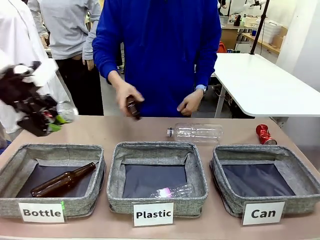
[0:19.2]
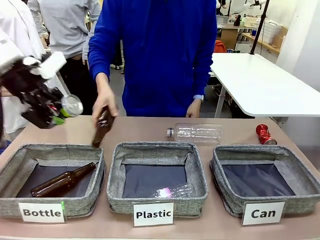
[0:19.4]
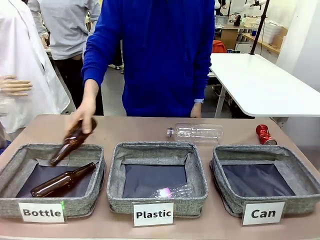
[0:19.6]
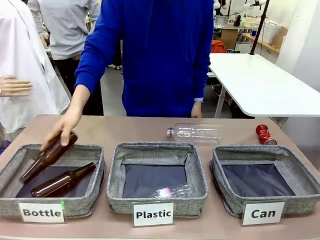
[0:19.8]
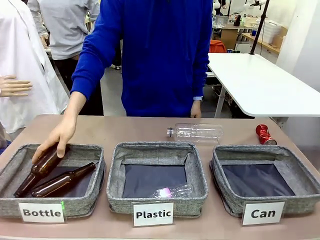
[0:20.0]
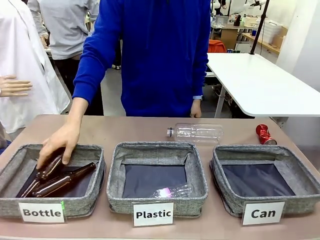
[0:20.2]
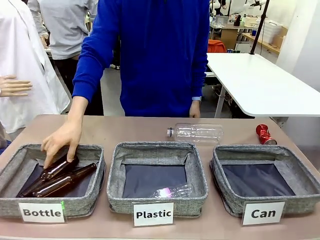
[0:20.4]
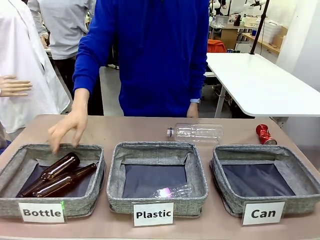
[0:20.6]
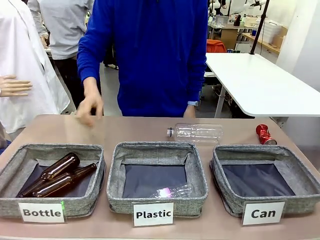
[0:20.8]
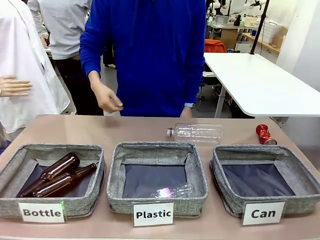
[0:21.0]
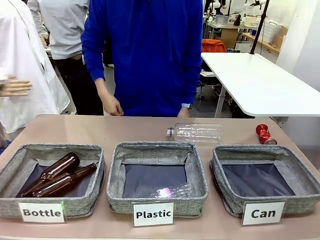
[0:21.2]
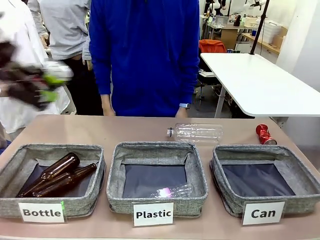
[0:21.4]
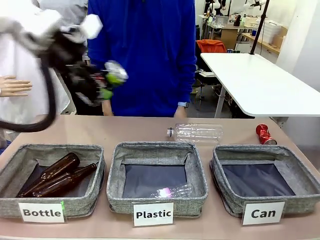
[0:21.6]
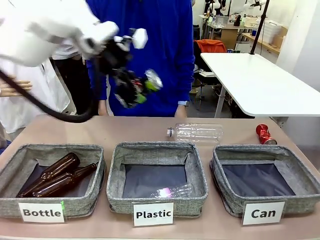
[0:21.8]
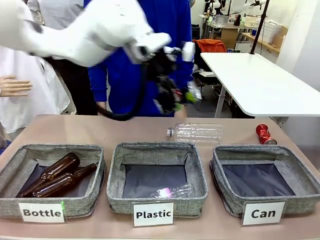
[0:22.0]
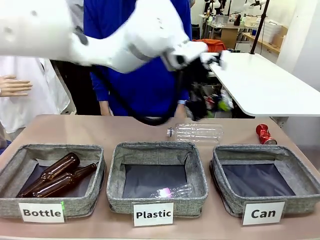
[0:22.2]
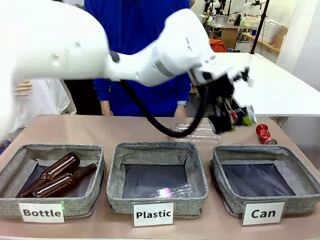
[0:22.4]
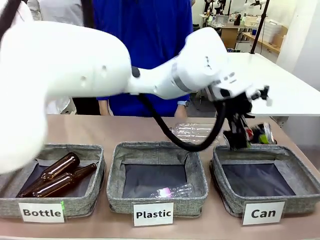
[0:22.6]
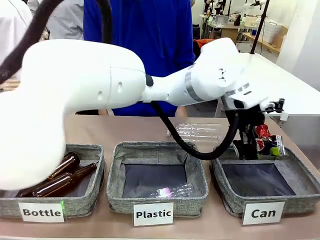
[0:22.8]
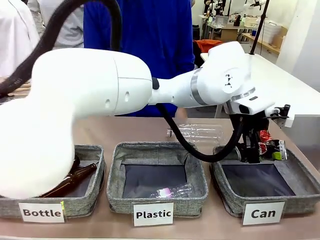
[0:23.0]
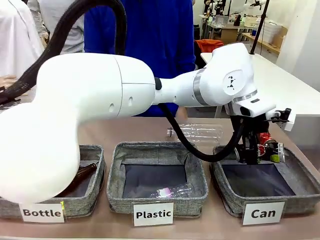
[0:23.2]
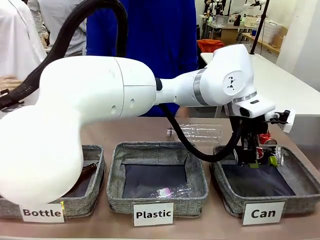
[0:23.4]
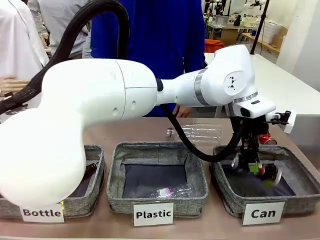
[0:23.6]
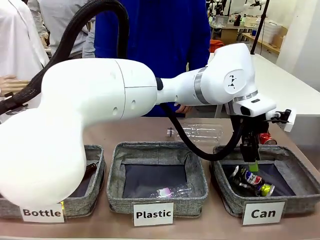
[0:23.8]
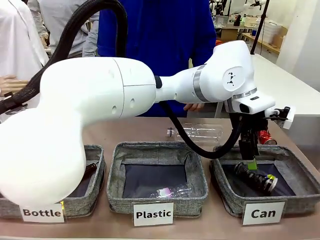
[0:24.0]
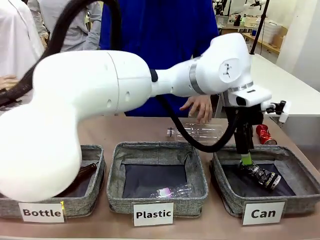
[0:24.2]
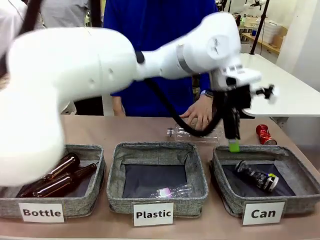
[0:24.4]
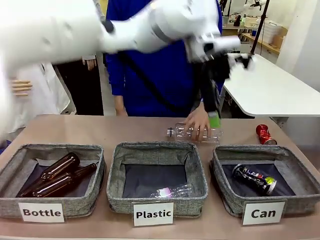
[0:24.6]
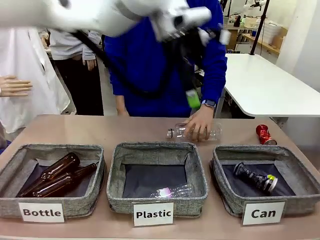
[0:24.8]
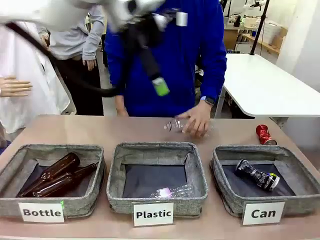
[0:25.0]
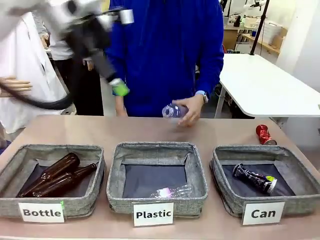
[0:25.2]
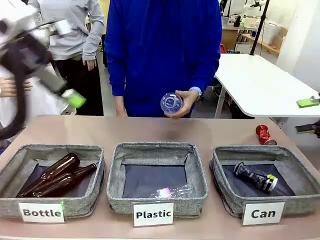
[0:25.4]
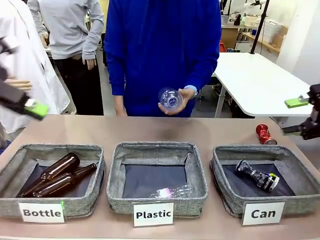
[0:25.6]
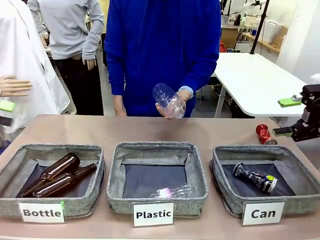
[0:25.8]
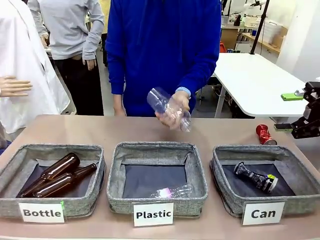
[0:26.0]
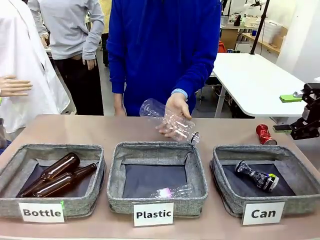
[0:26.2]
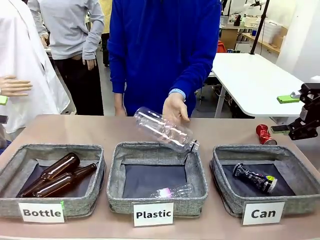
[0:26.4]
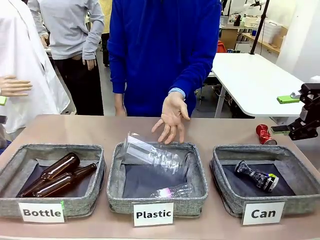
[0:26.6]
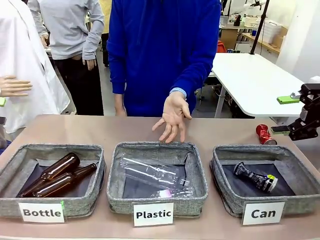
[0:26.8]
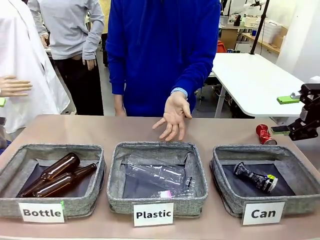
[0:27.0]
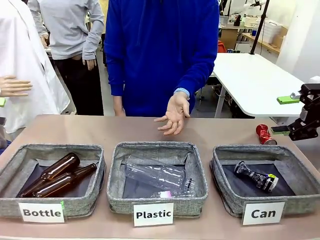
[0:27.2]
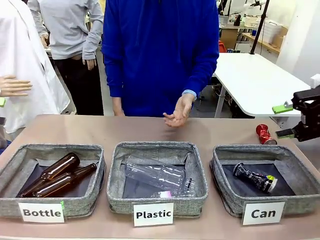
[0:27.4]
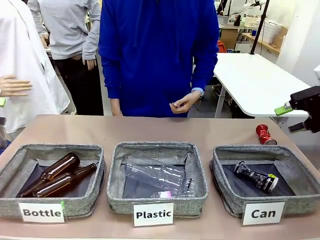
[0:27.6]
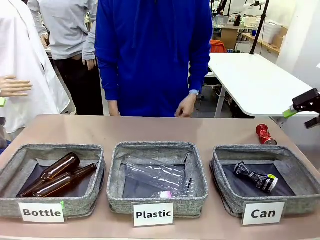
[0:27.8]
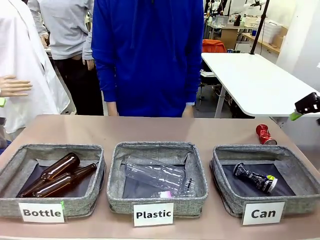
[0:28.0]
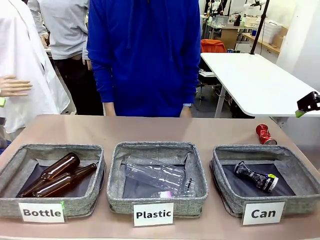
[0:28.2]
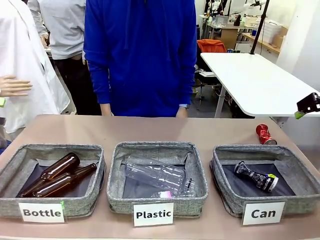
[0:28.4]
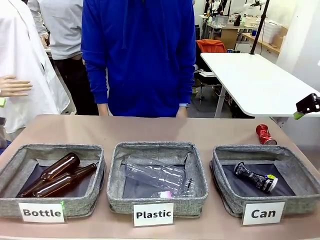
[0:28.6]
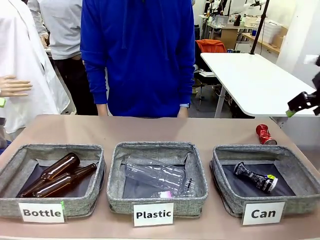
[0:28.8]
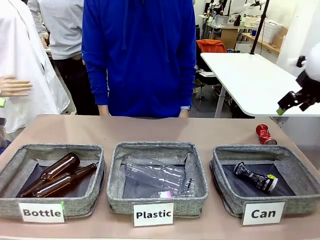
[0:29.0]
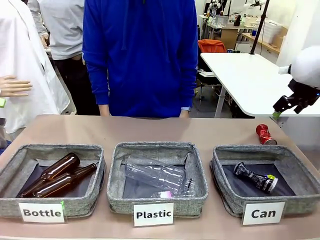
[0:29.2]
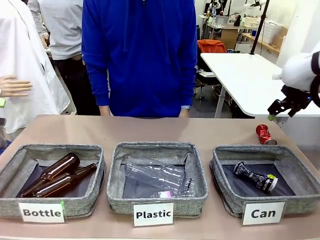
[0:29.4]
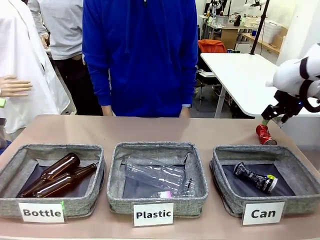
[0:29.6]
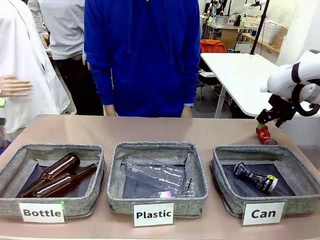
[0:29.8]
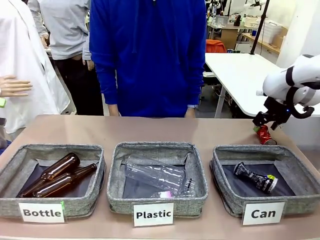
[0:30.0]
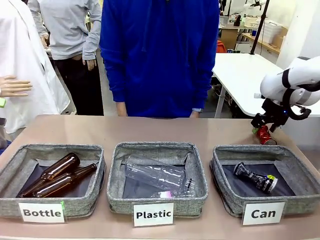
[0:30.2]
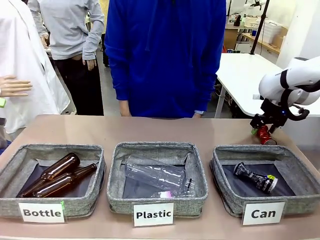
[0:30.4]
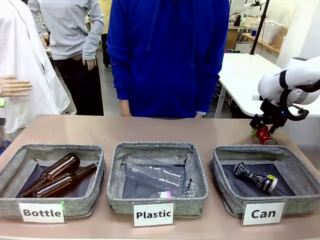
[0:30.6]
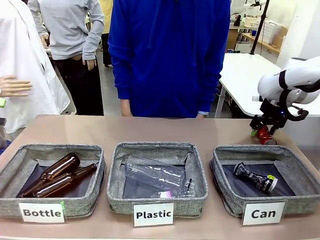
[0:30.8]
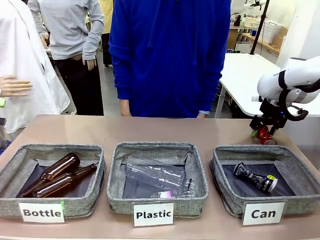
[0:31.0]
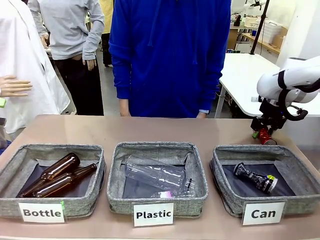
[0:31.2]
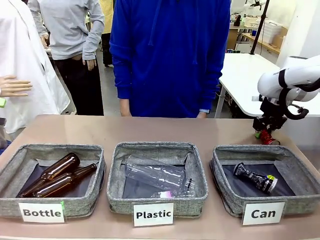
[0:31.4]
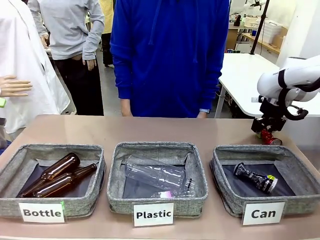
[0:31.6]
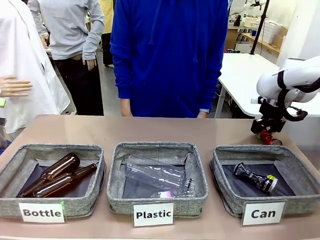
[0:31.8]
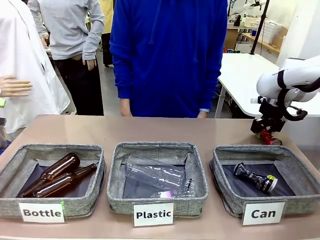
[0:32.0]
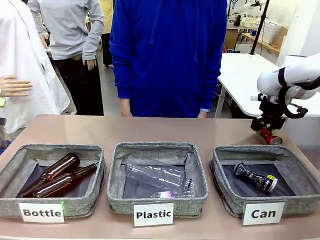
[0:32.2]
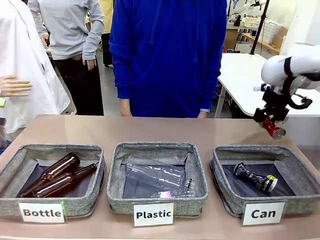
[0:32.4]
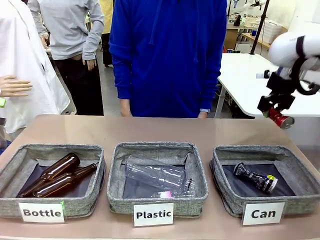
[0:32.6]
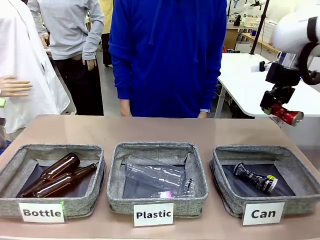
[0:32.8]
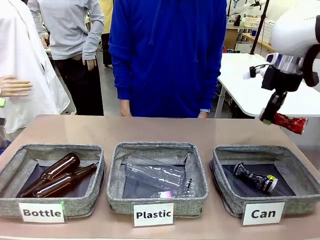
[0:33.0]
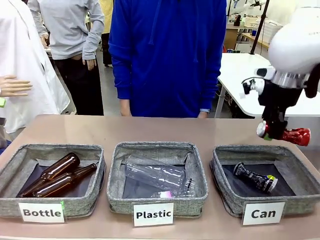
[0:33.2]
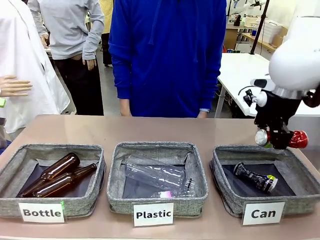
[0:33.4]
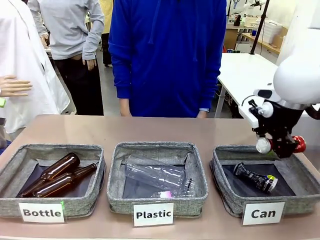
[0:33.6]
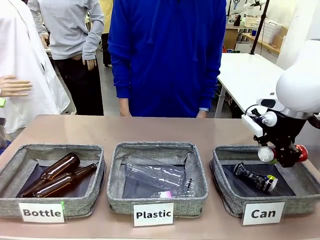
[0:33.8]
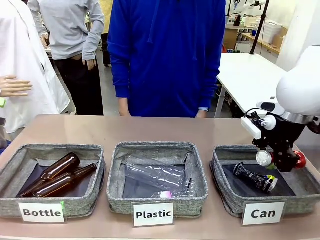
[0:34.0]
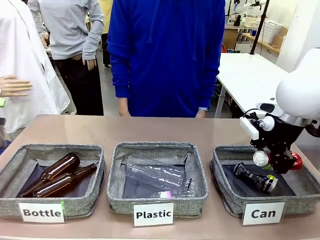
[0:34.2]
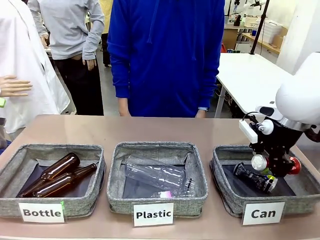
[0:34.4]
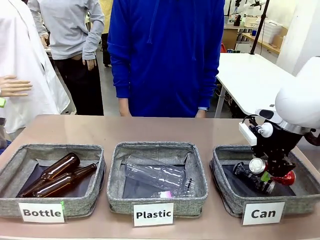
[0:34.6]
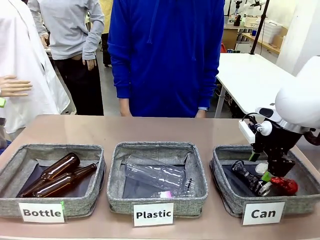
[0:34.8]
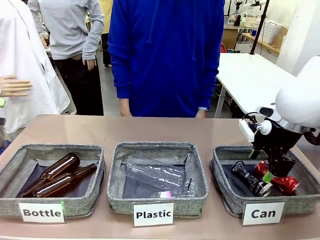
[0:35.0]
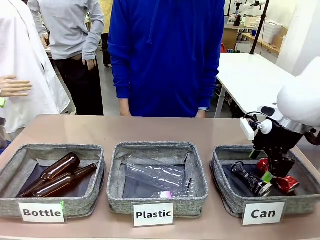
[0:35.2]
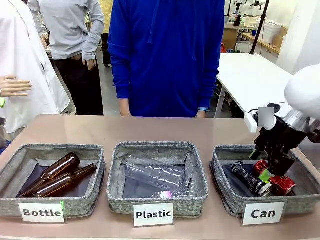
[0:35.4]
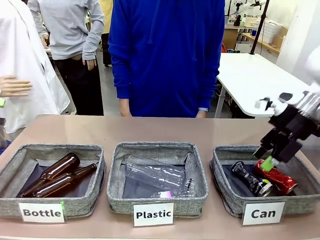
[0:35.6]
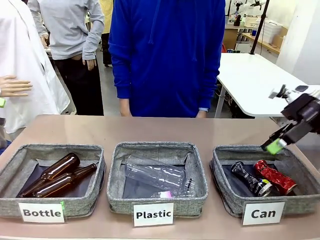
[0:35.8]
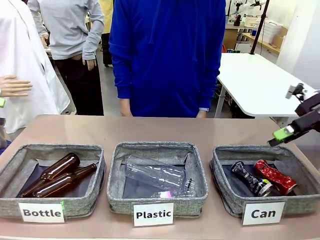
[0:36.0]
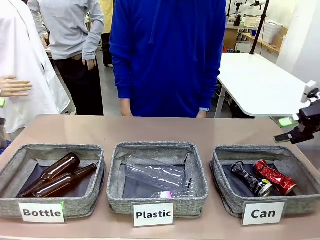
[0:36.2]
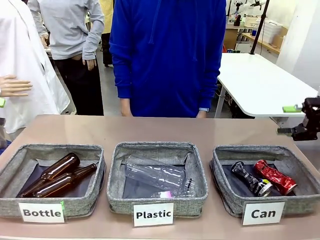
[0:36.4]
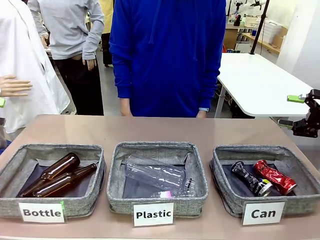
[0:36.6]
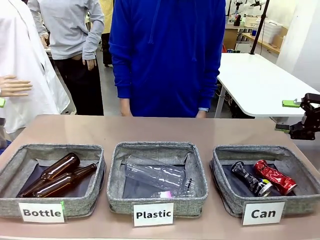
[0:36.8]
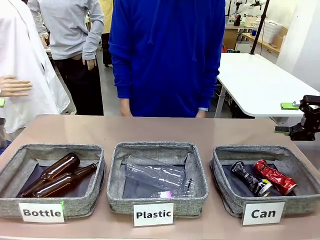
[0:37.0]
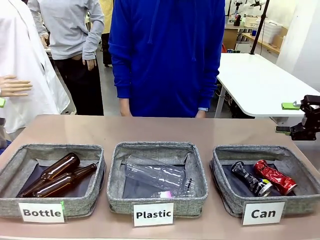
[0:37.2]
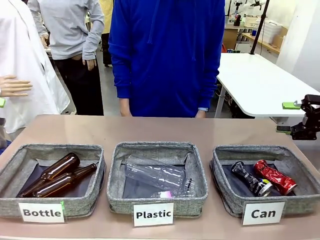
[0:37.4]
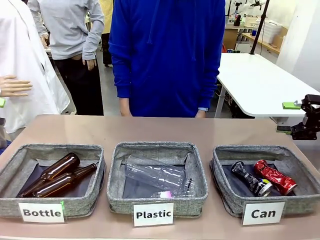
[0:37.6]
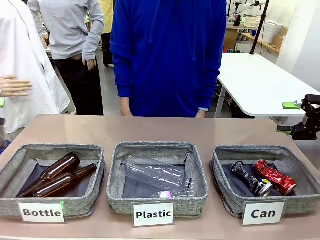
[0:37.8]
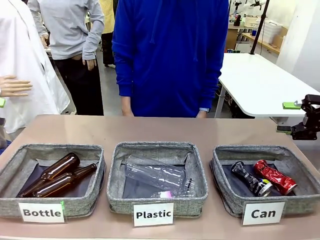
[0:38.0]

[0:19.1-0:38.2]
Task: Sort the can waste into the basket.
Robot: Pick up the can waste from the table and place it in the right Fabric basket.
